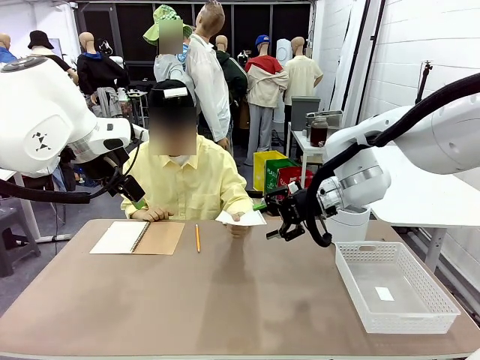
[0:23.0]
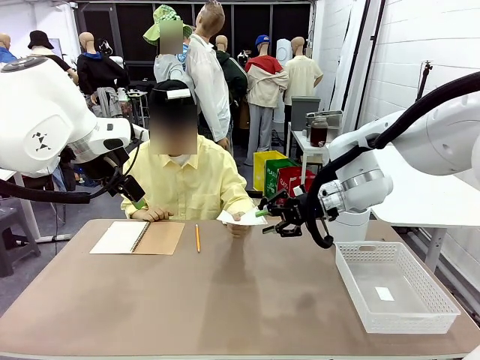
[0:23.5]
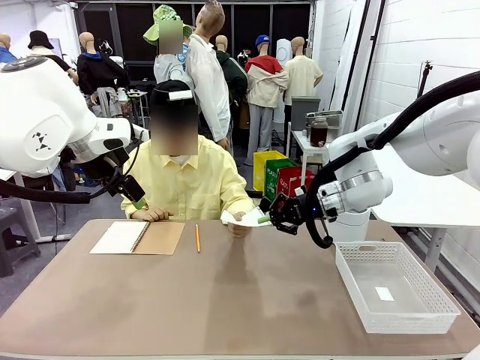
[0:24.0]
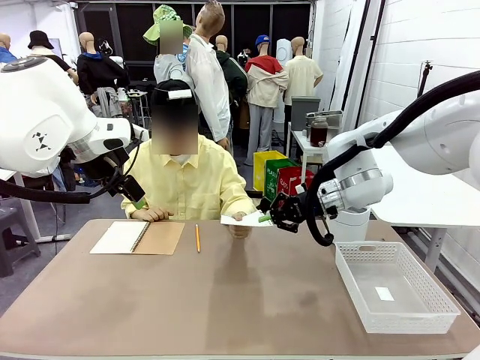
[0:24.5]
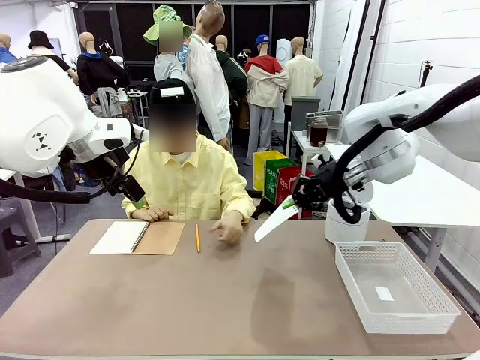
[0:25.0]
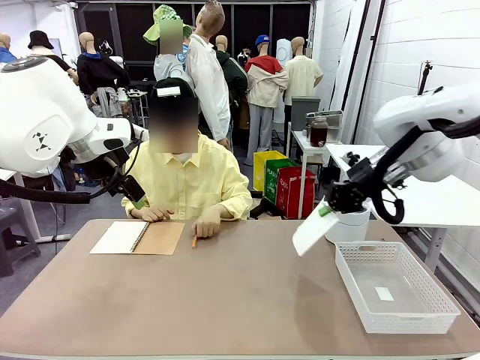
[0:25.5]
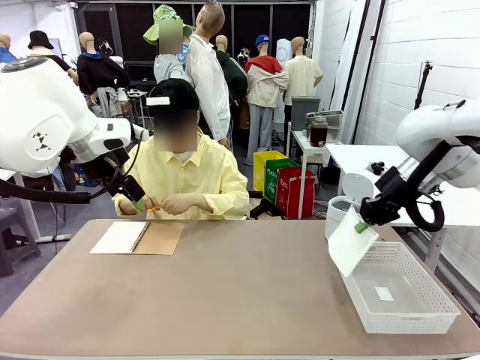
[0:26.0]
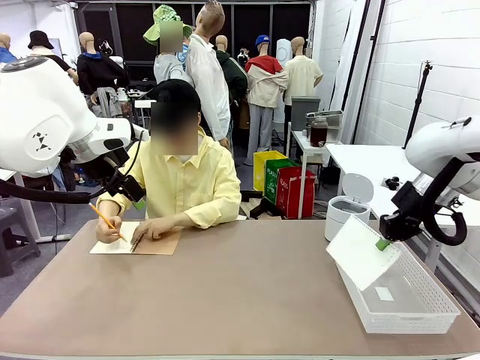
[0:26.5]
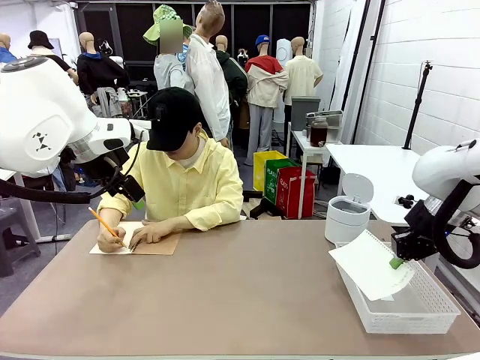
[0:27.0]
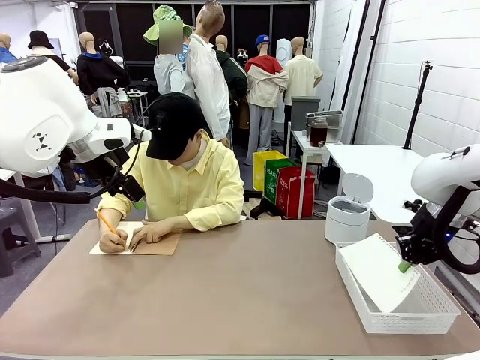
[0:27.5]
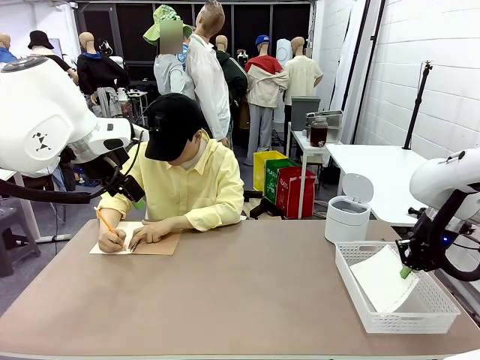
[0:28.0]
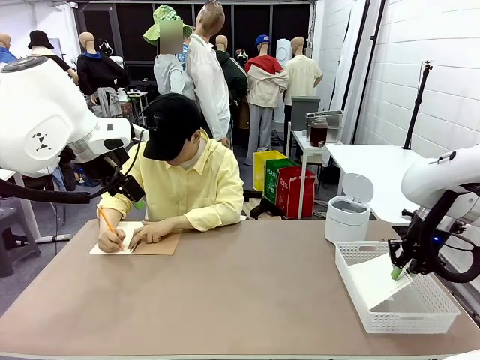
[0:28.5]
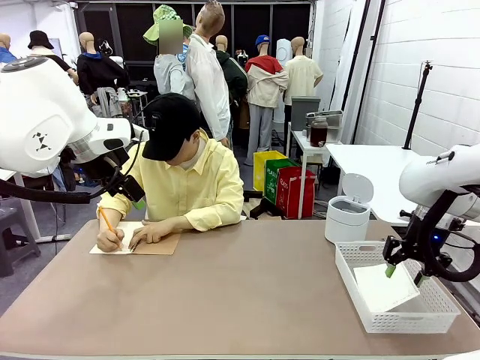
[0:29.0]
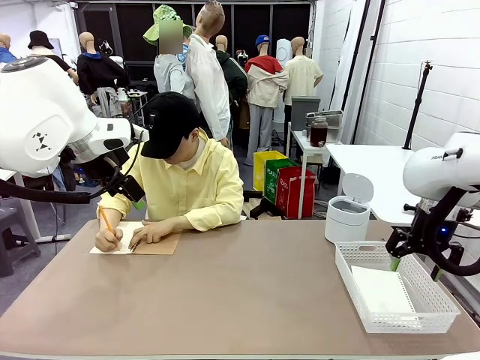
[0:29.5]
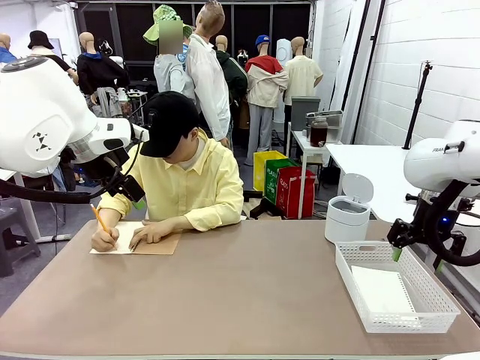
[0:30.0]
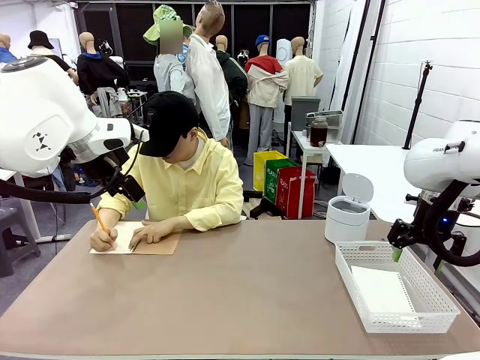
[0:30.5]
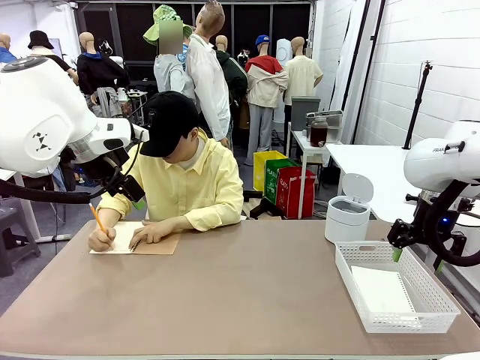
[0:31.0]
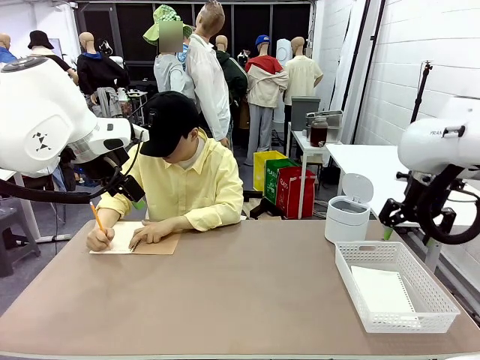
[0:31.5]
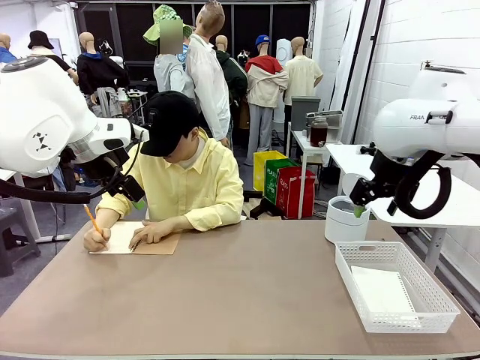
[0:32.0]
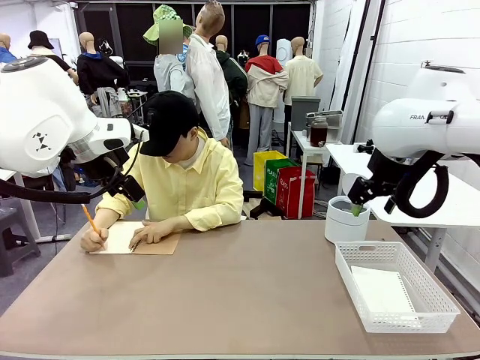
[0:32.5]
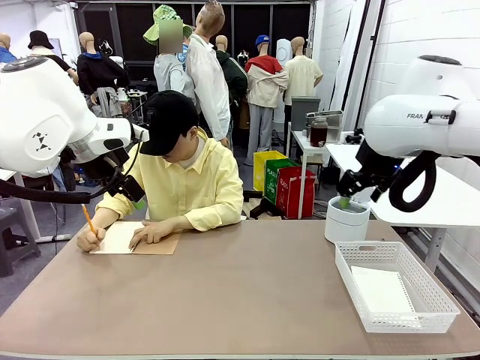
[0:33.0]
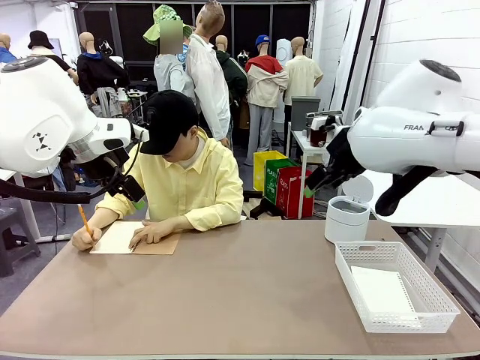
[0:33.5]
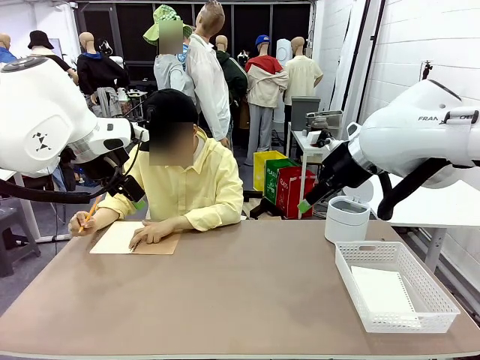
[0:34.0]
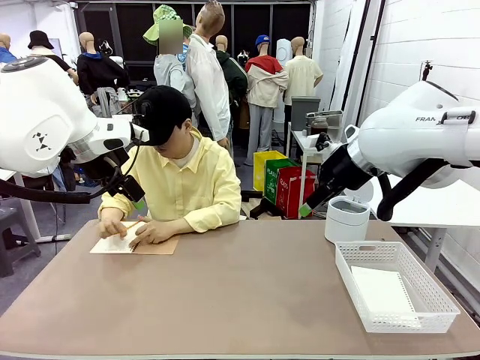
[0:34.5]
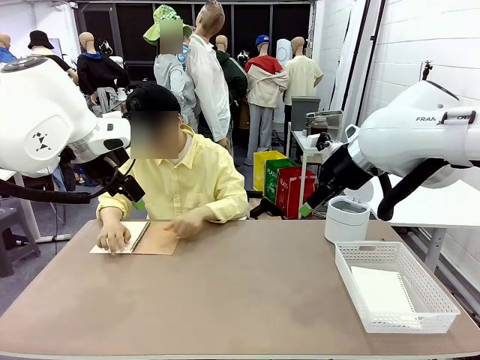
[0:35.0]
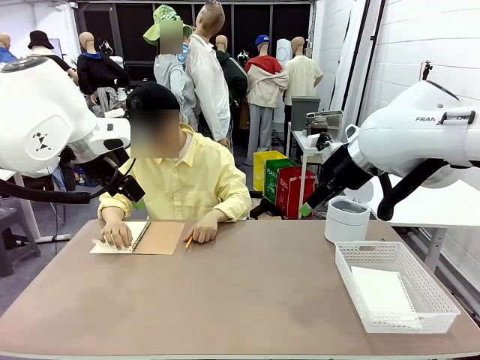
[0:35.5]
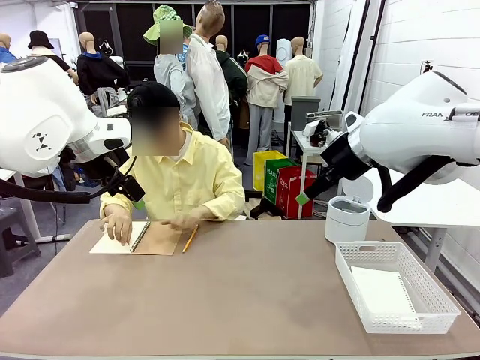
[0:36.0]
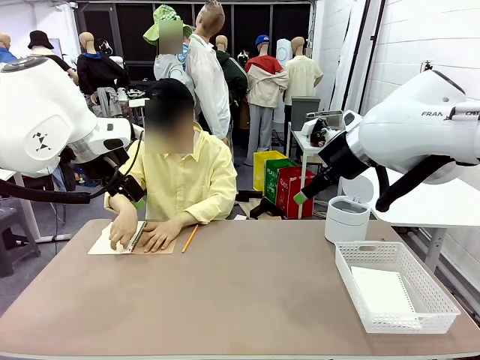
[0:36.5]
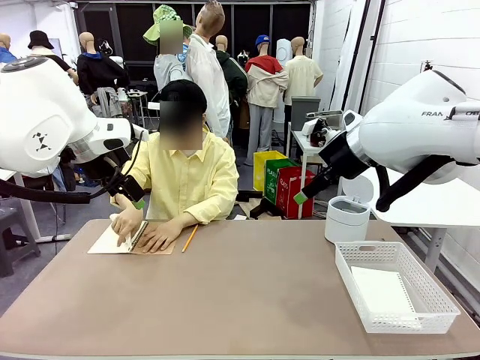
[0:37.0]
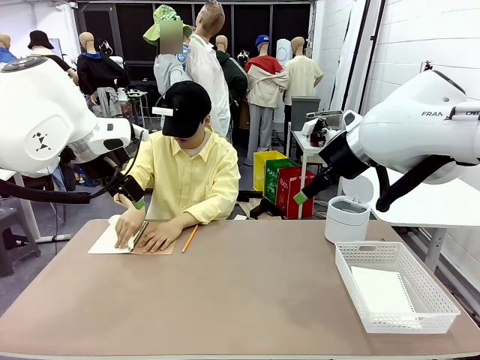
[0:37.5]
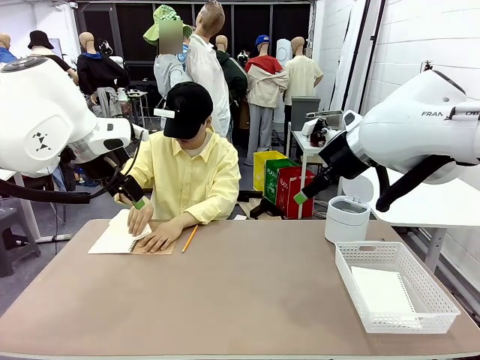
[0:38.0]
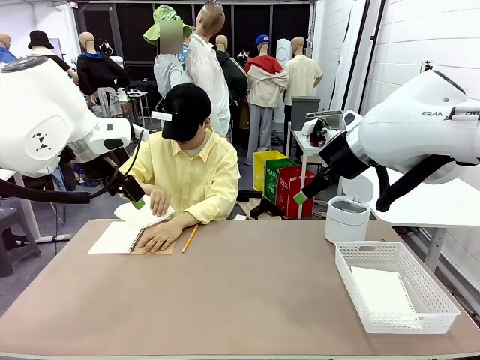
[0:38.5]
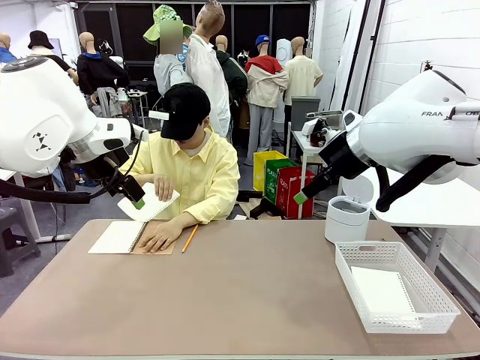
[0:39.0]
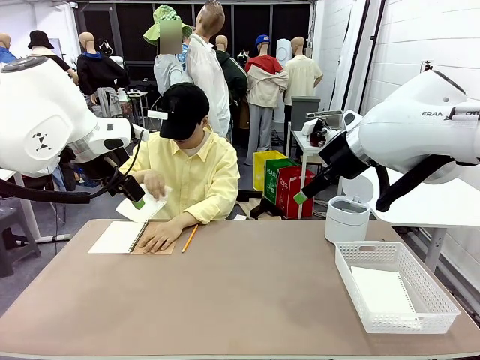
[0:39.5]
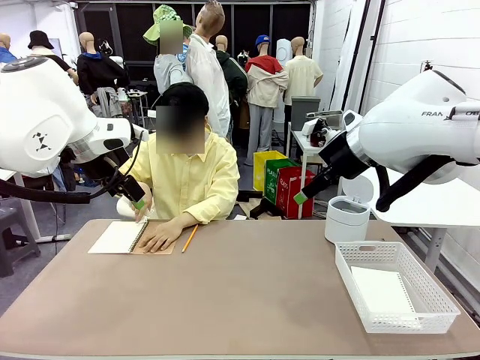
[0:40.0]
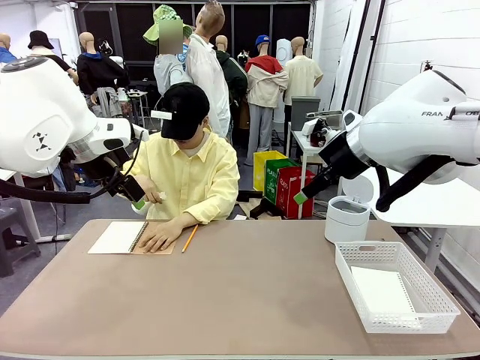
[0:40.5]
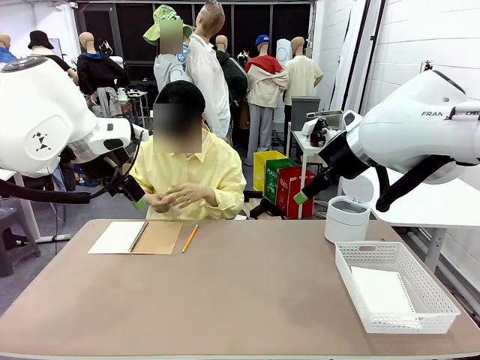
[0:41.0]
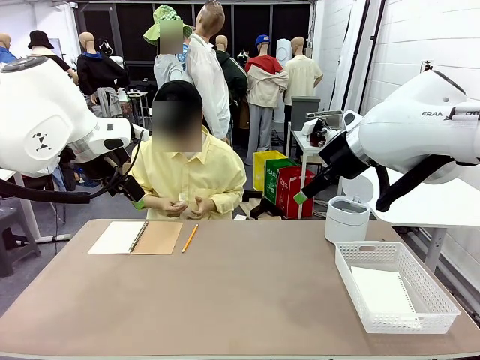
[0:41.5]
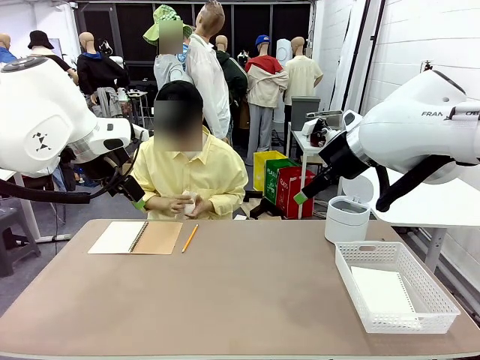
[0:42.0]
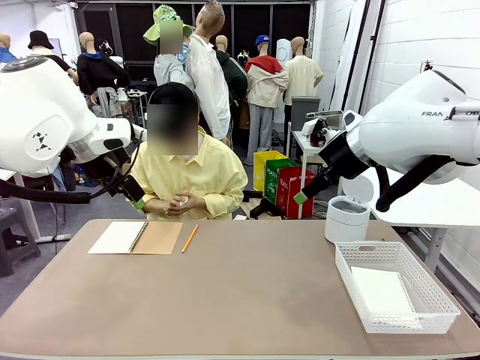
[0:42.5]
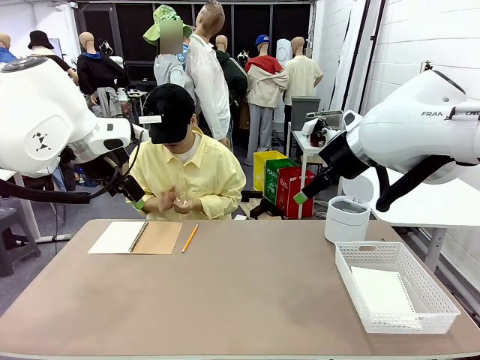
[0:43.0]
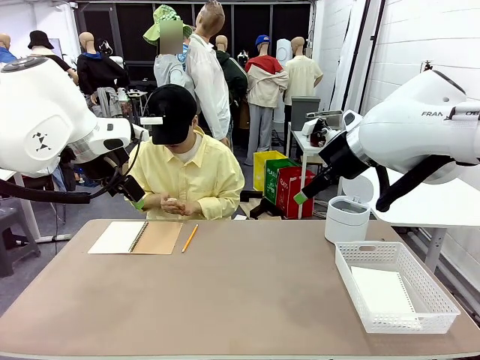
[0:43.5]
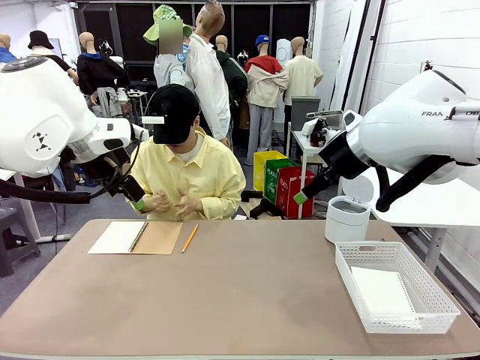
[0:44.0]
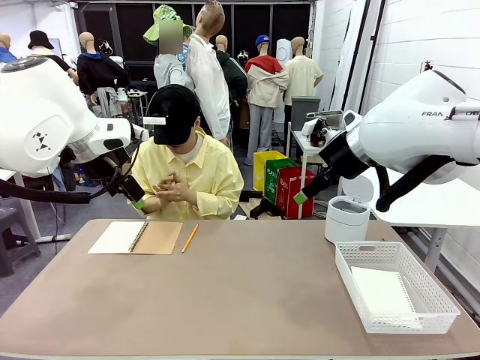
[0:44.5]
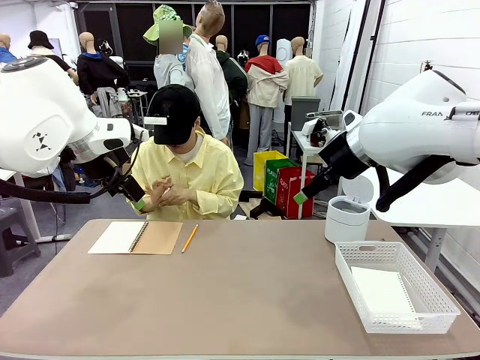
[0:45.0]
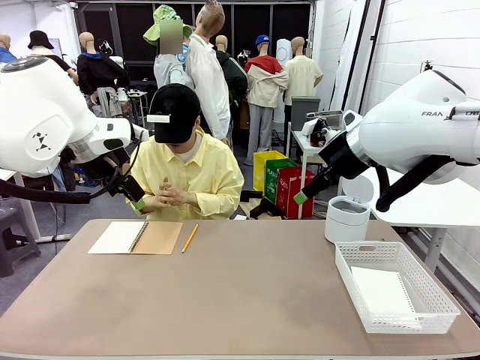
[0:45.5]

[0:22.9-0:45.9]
Task: Sort the paper based on its condition.
Robot: If a person hands you a paper, place it in the Organizing basket , and if it's crumpled, put it in the Trash can.
Person: Tear out a page from the spiral notebook. Hand the torn page to the robot or crumple it and throw it to the center of the table.
